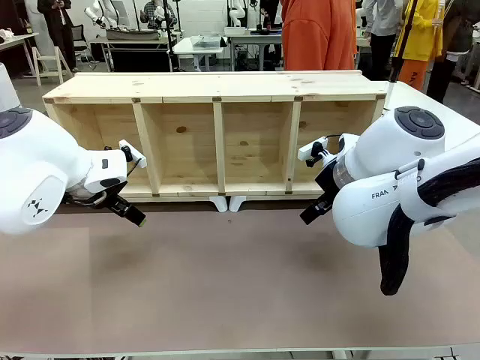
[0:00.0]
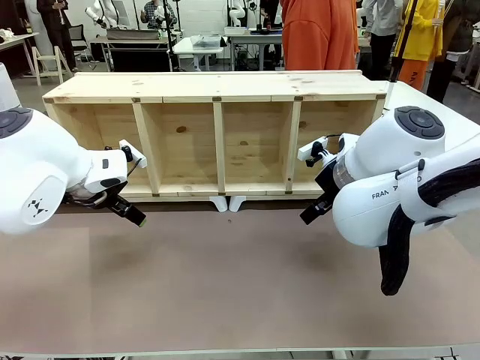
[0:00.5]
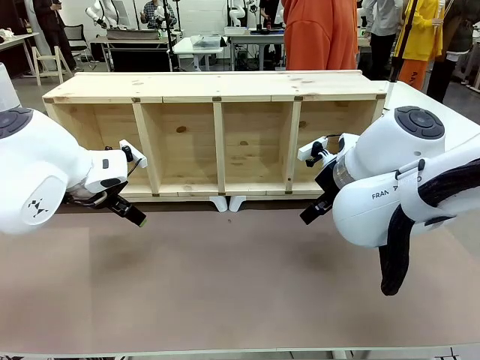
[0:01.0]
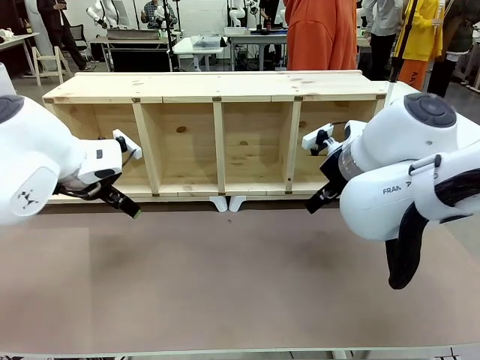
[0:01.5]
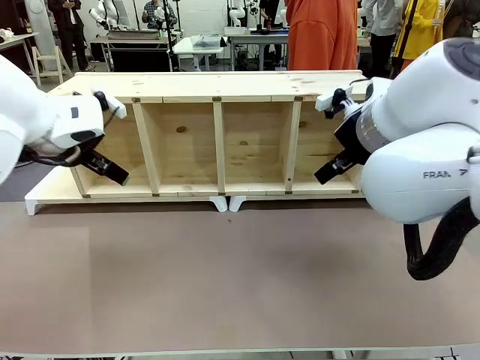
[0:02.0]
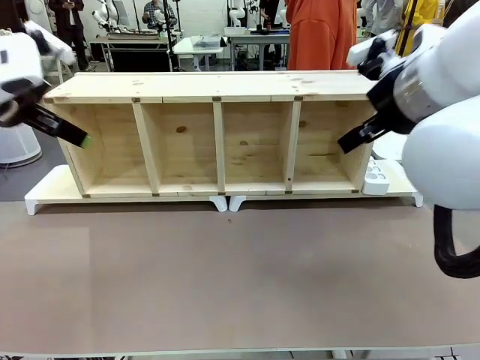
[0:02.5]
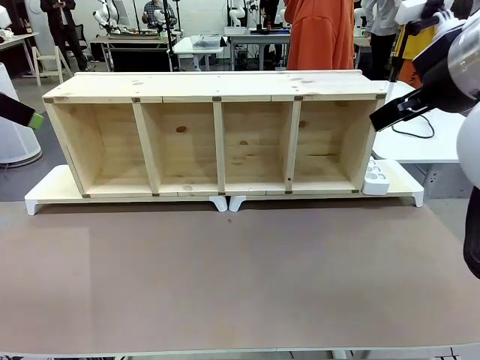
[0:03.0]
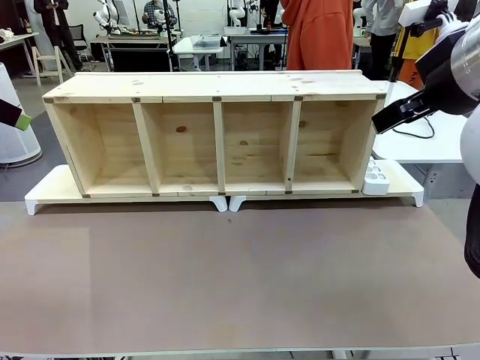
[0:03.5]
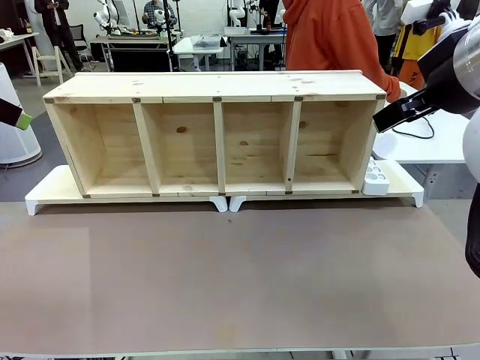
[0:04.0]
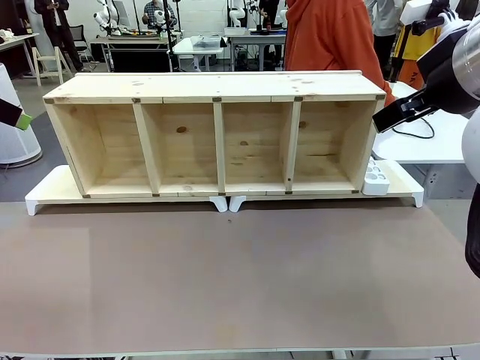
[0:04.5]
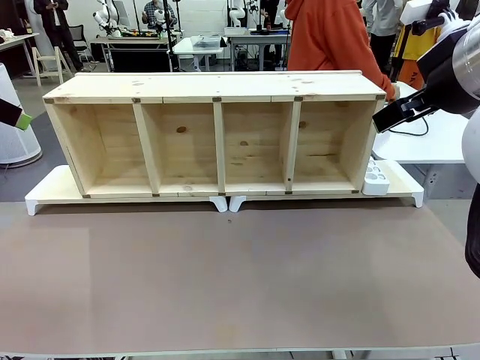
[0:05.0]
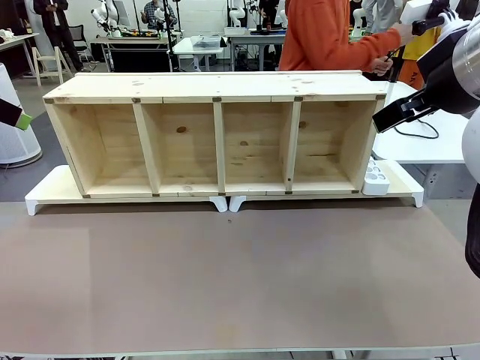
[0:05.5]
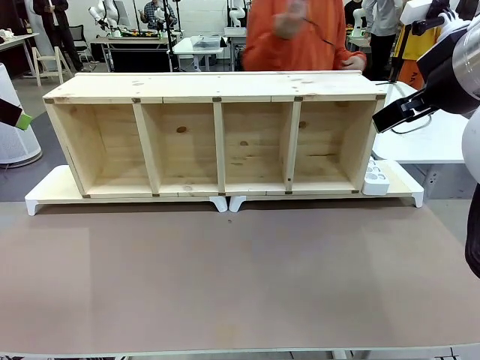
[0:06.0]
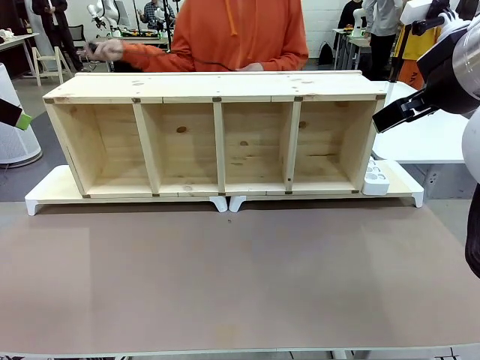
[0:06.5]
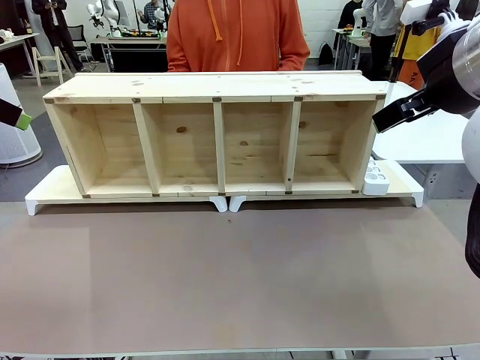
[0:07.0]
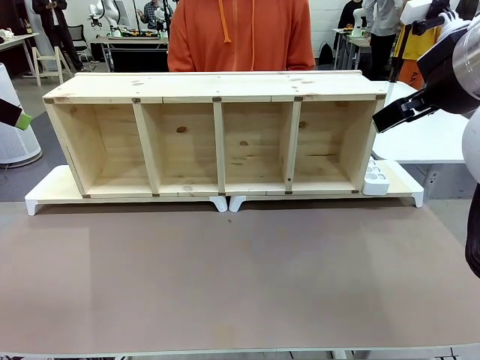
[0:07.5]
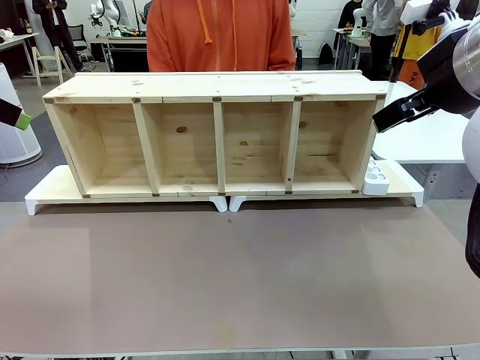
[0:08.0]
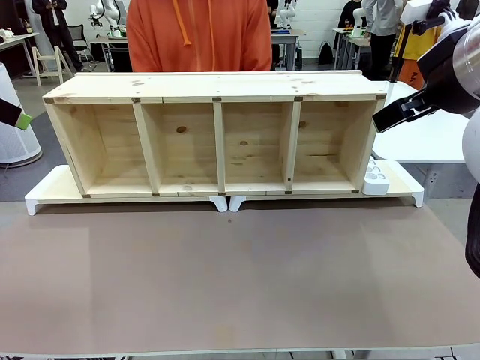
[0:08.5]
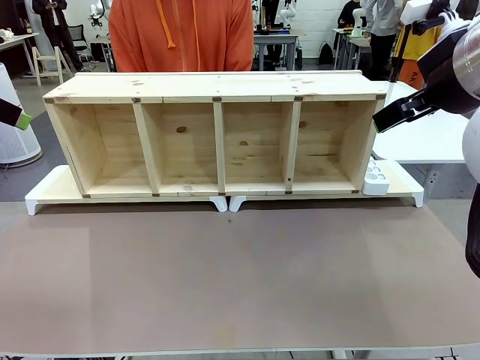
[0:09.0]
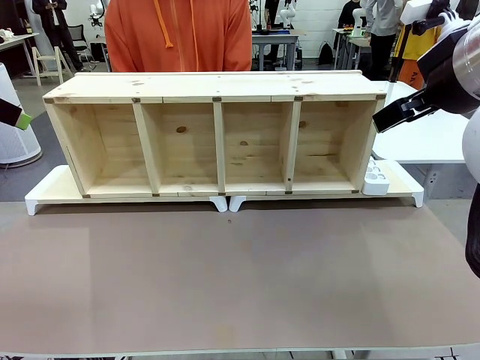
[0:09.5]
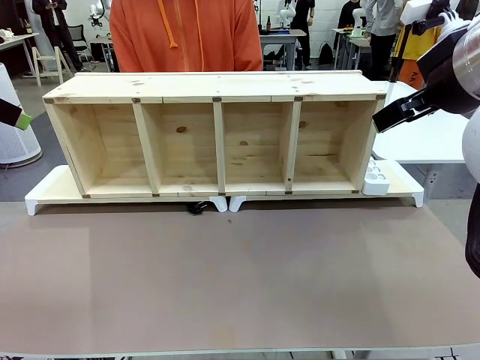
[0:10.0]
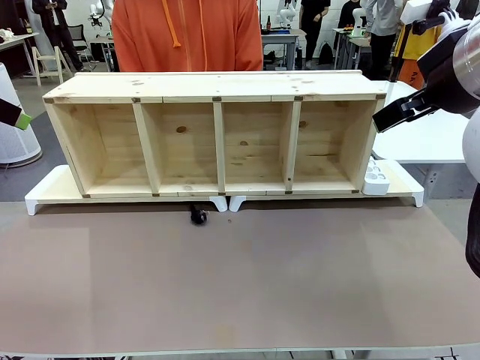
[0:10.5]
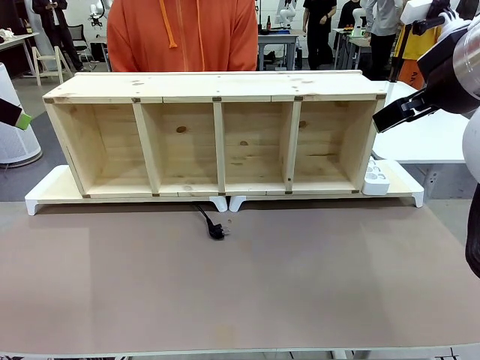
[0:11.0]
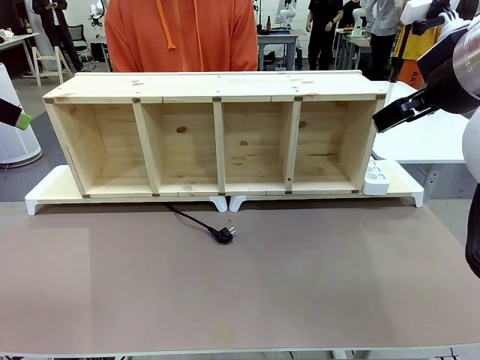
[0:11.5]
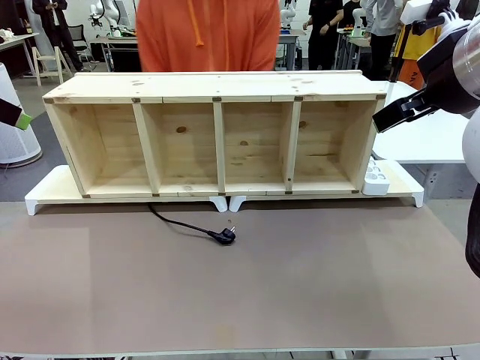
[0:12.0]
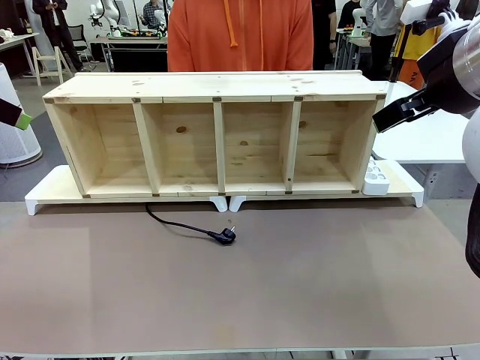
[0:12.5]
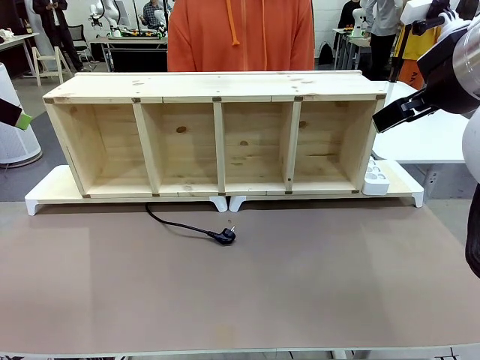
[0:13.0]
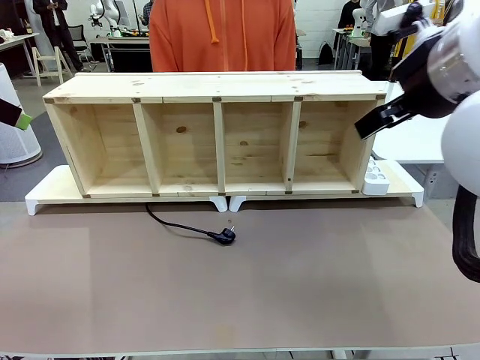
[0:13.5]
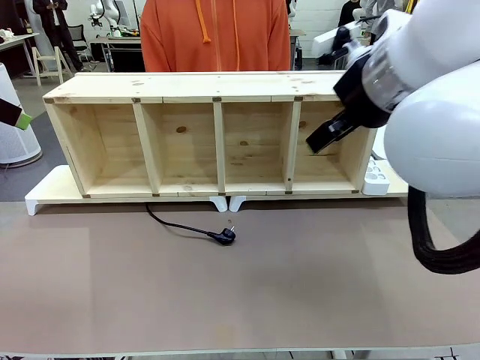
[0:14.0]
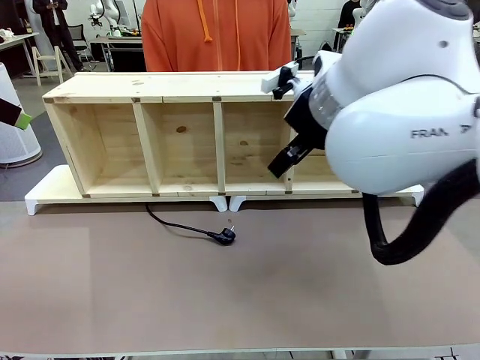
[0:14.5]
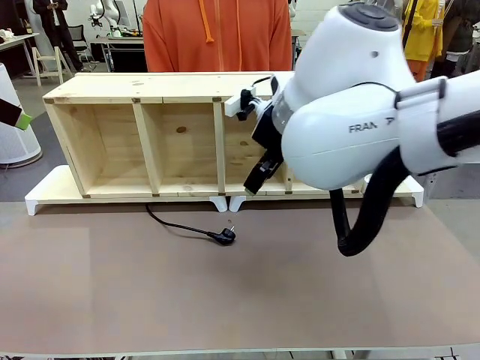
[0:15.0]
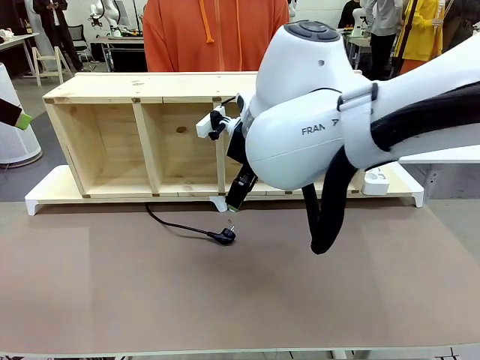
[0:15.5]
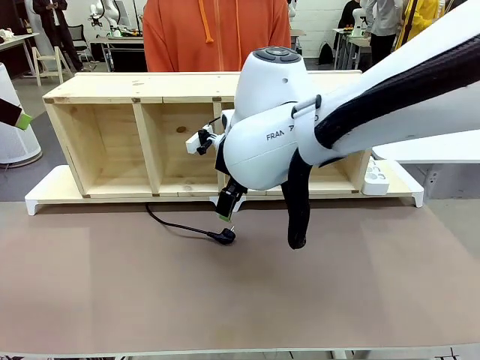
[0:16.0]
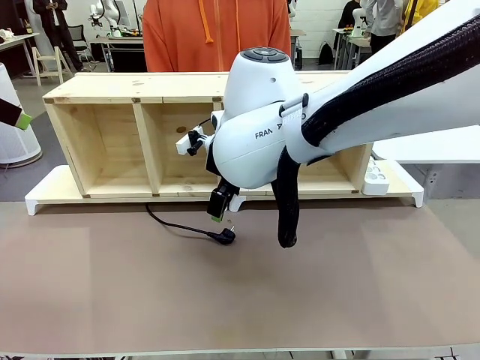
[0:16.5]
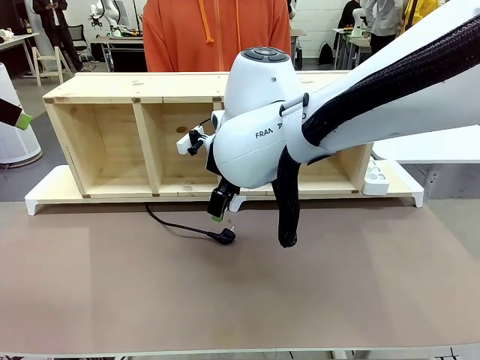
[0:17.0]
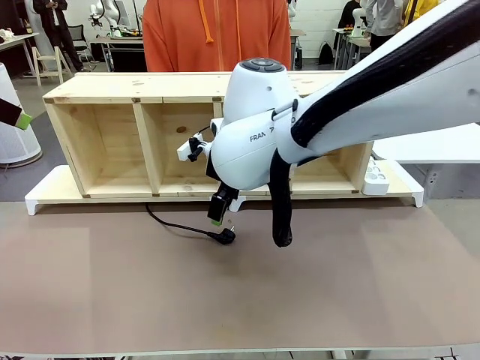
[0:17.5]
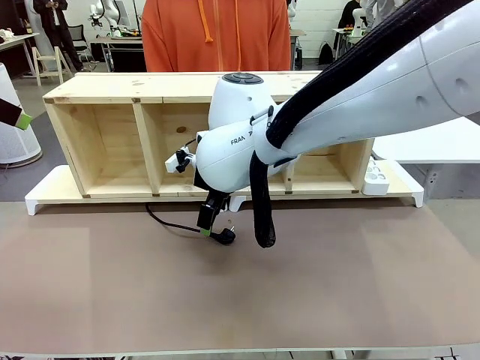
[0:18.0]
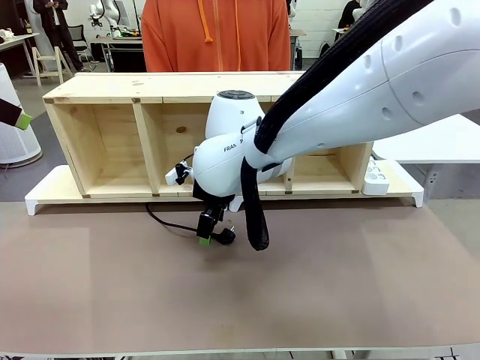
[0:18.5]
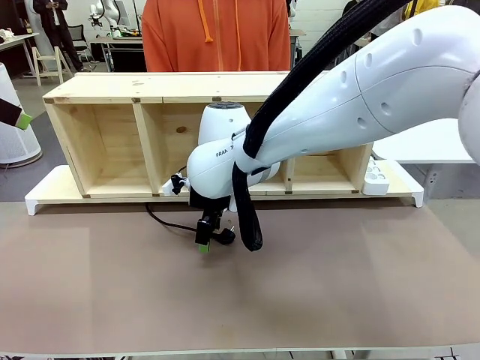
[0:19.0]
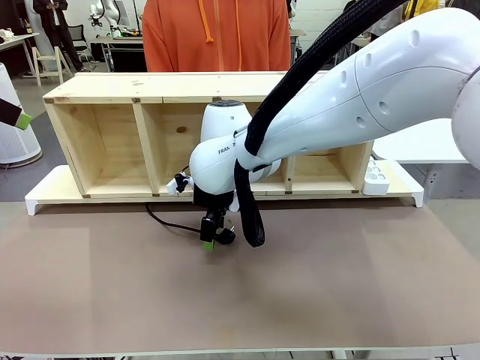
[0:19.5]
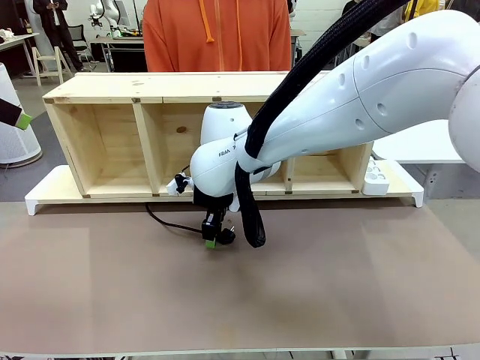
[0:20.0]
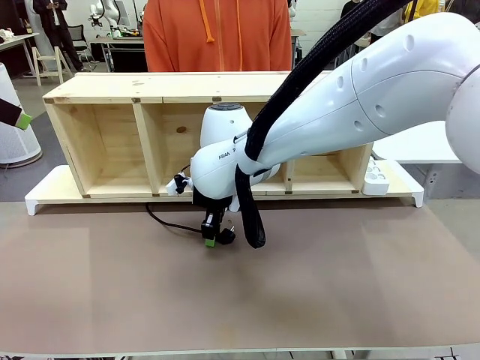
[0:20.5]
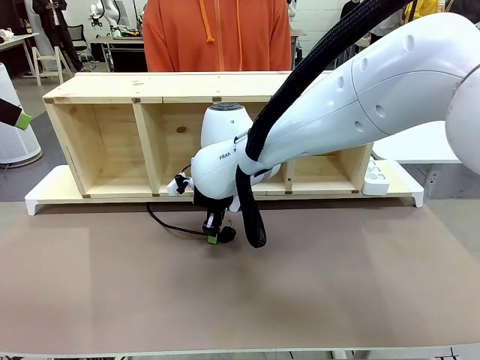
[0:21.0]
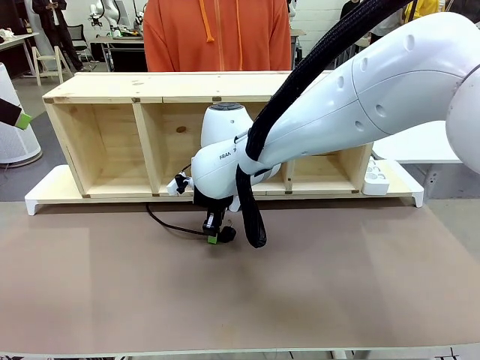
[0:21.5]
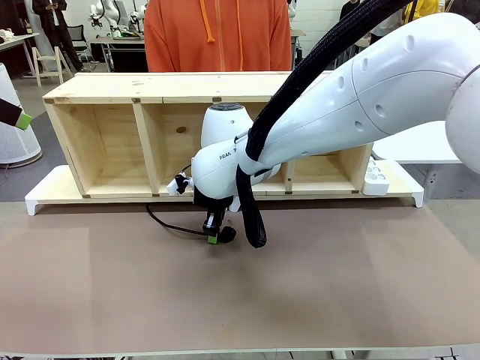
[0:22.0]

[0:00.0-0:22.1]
Task: Perform cable management.
Robot: When the cord part of the Power Cable appears at the lower middle area of the table and stops, grasp the cord part of the Power Cable.
Person: Pass the Power Cable under the Serving Table.

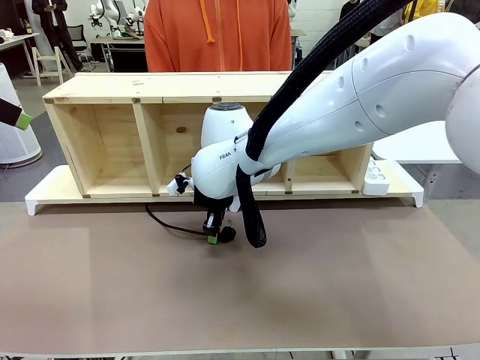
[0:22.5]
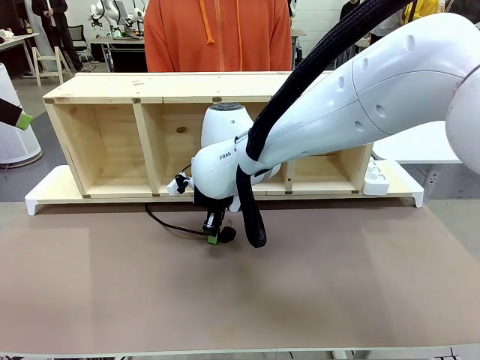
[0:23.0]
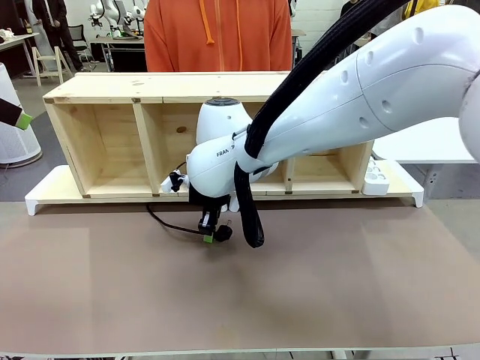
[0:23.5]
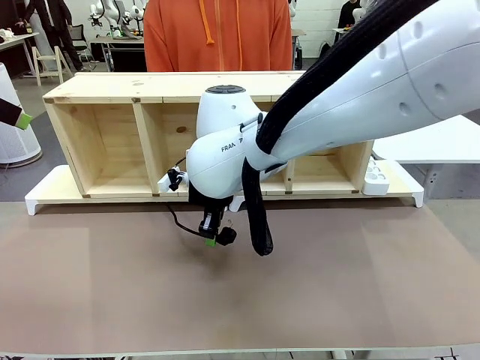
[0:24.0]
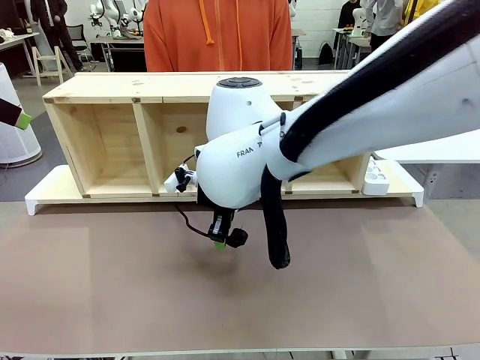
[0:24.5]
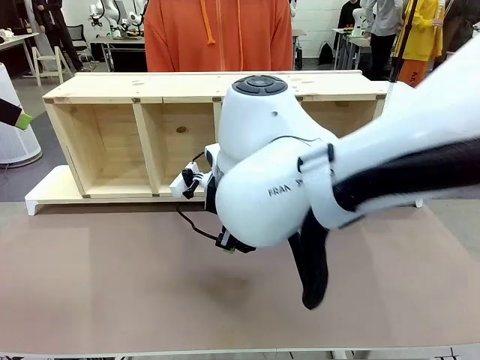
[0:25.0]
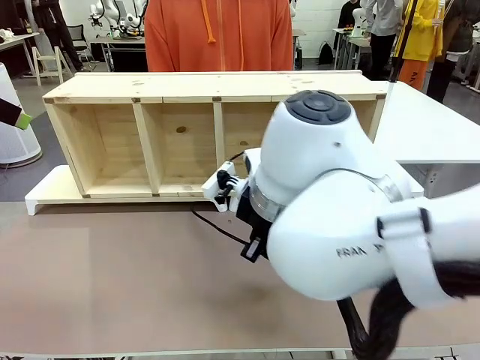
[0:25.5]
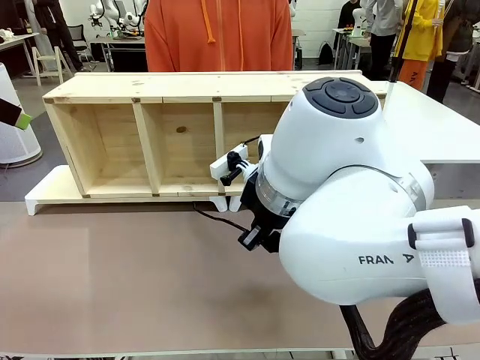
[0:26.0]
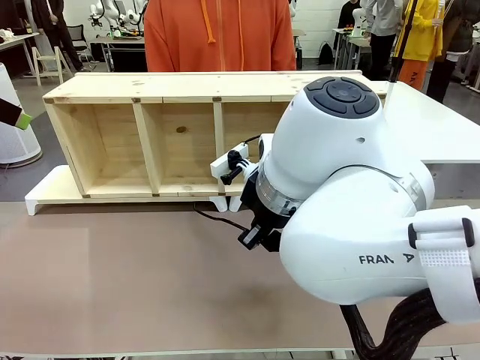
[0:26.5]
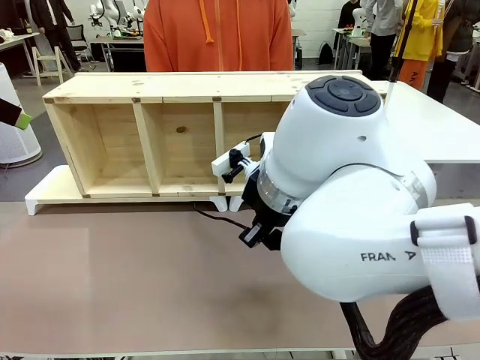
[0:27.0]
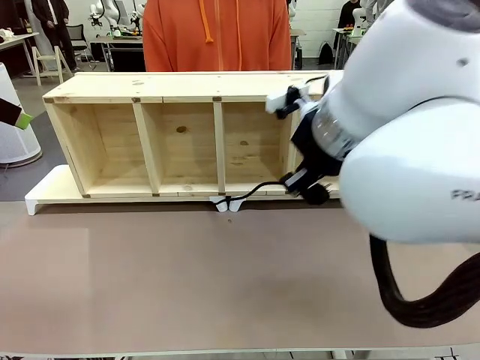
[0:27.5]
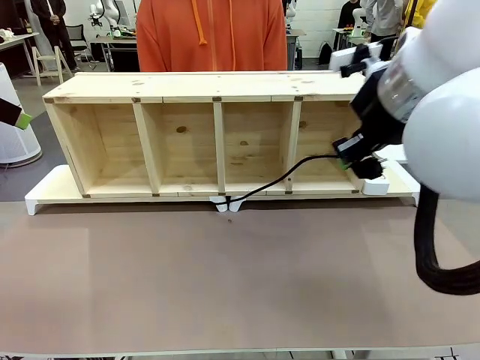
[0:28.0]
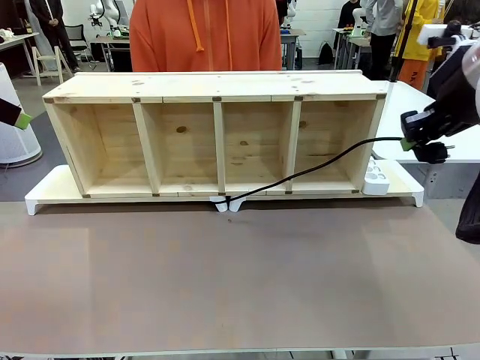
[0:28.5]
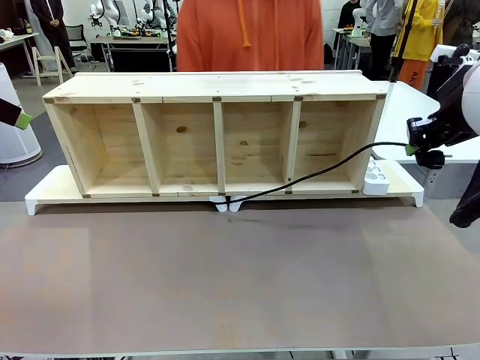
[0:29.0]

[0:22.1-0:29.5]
Robot: Pull the grasped Power Cable to the location of the Power Strip.
